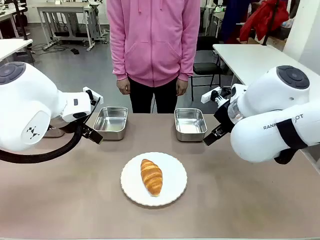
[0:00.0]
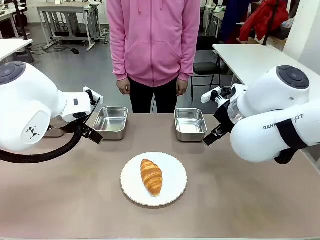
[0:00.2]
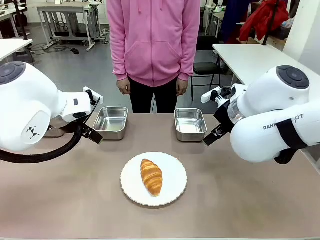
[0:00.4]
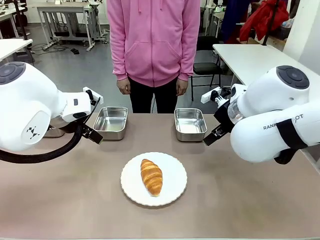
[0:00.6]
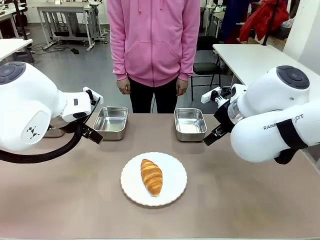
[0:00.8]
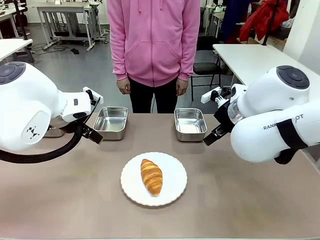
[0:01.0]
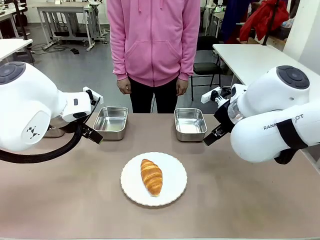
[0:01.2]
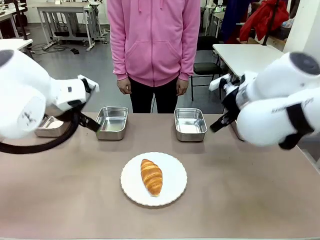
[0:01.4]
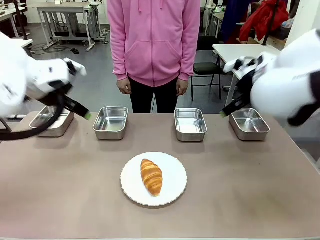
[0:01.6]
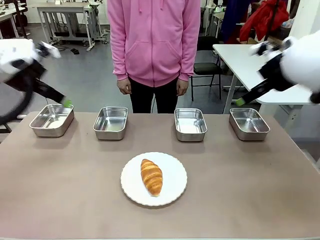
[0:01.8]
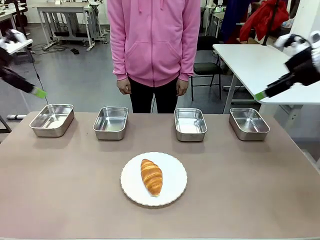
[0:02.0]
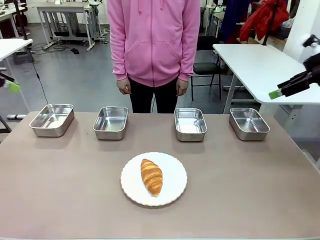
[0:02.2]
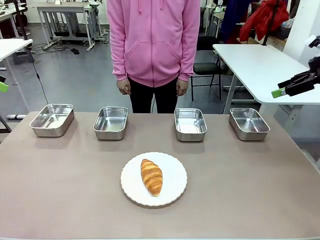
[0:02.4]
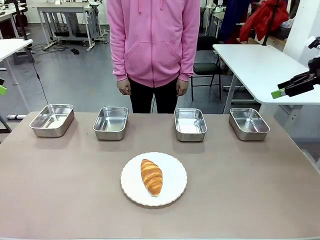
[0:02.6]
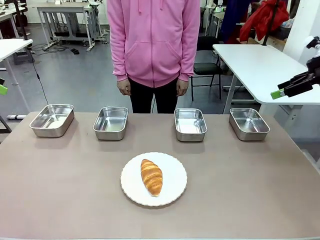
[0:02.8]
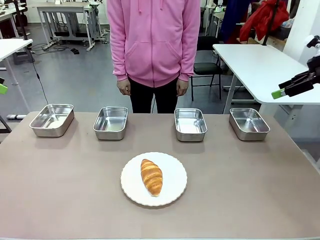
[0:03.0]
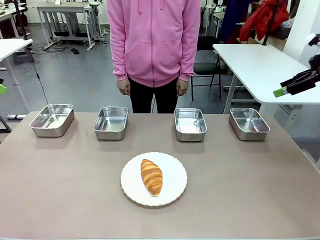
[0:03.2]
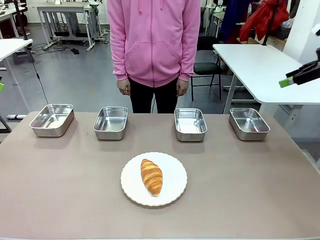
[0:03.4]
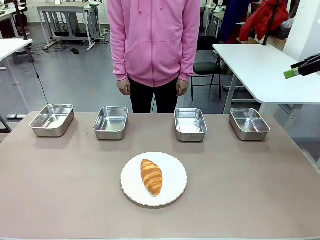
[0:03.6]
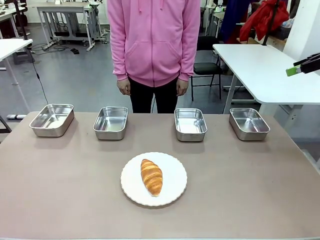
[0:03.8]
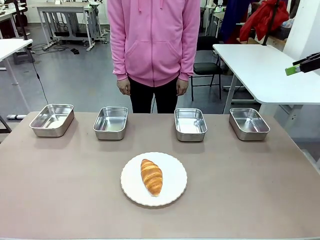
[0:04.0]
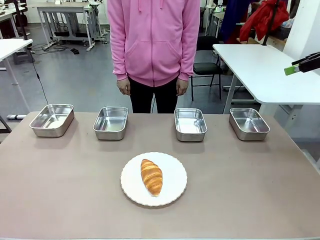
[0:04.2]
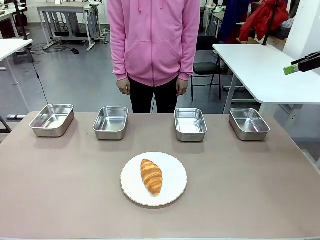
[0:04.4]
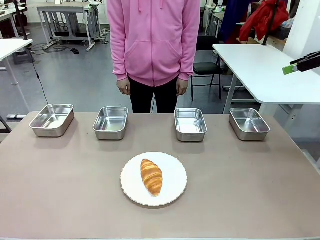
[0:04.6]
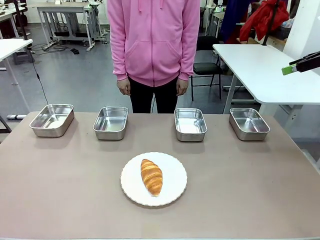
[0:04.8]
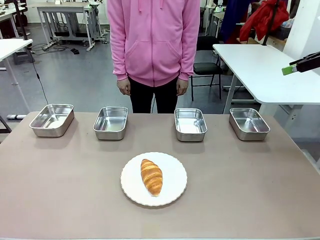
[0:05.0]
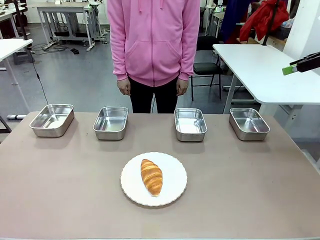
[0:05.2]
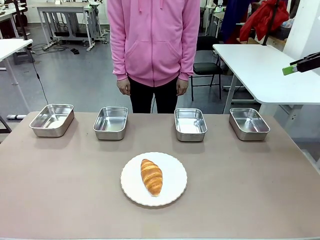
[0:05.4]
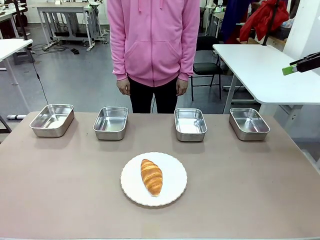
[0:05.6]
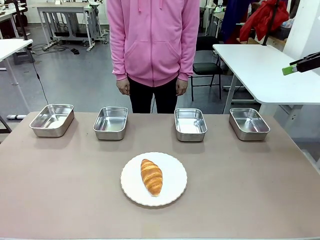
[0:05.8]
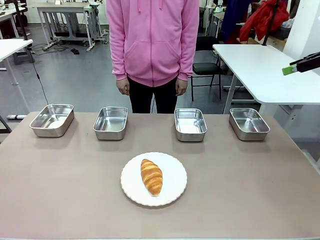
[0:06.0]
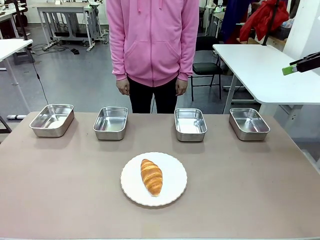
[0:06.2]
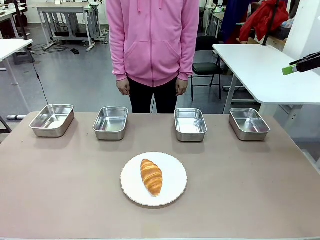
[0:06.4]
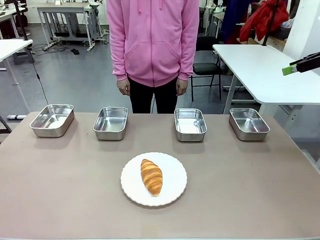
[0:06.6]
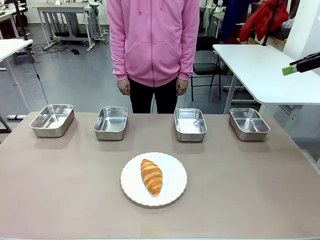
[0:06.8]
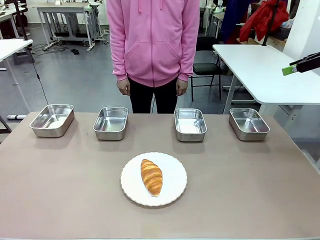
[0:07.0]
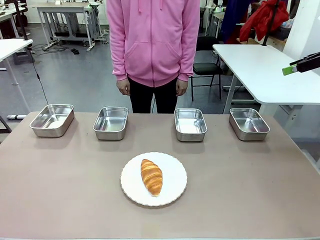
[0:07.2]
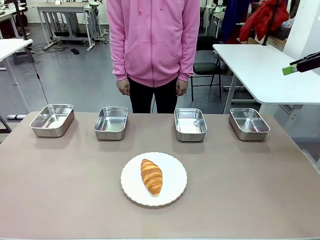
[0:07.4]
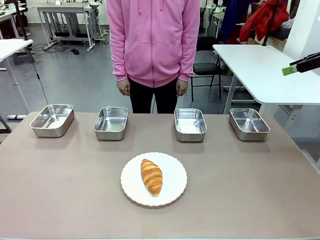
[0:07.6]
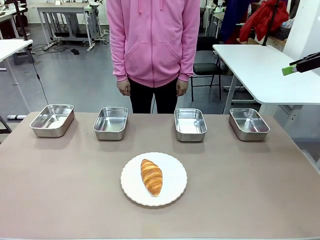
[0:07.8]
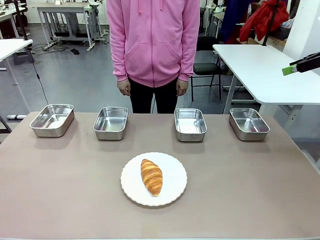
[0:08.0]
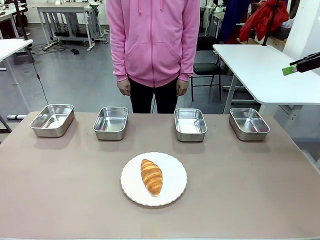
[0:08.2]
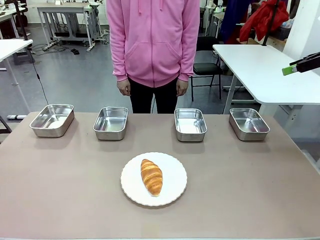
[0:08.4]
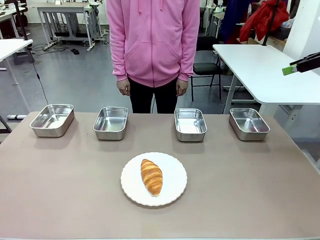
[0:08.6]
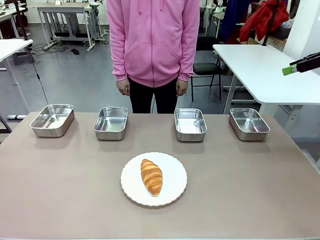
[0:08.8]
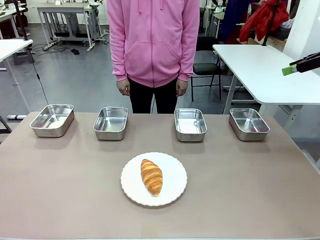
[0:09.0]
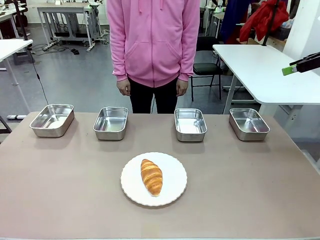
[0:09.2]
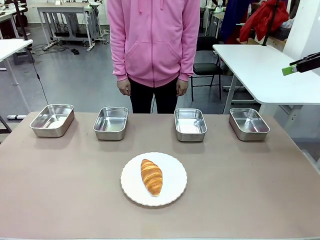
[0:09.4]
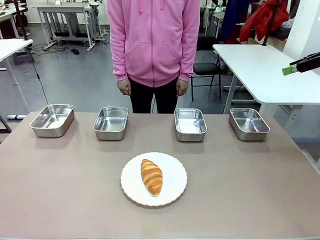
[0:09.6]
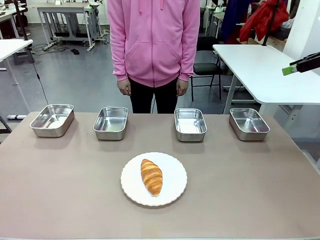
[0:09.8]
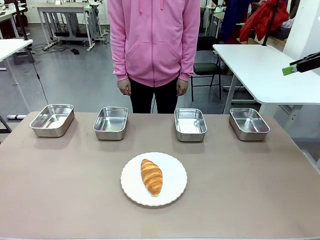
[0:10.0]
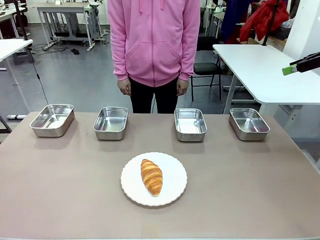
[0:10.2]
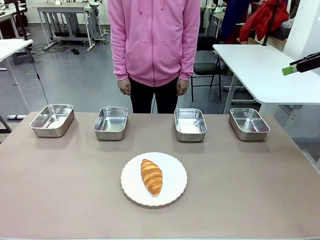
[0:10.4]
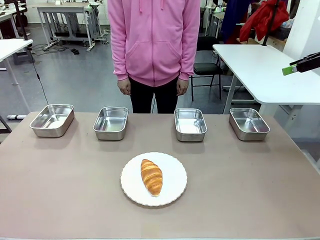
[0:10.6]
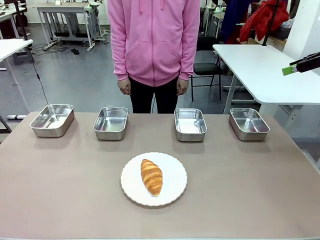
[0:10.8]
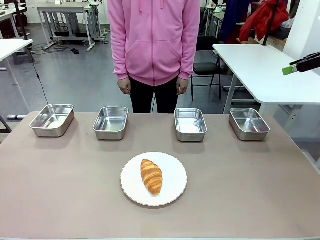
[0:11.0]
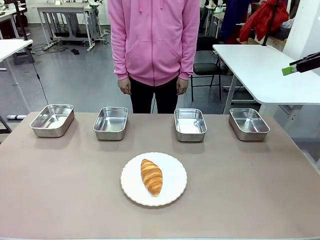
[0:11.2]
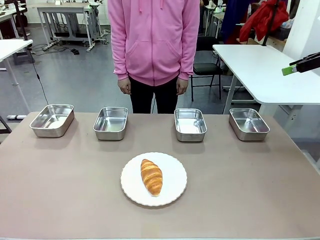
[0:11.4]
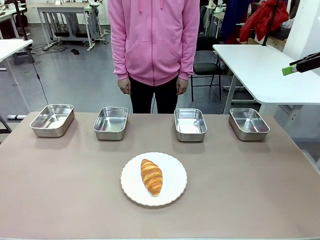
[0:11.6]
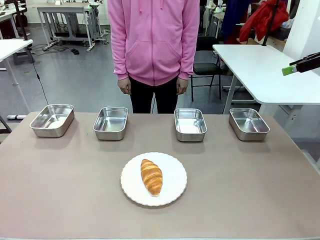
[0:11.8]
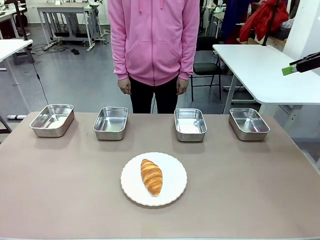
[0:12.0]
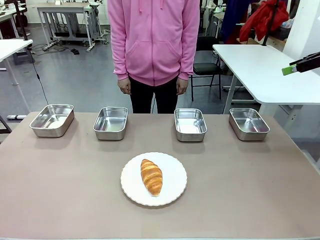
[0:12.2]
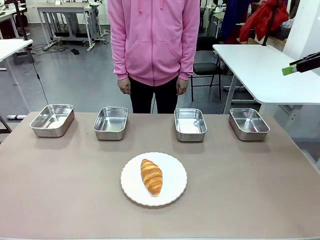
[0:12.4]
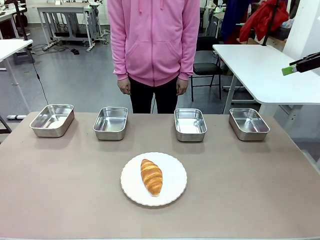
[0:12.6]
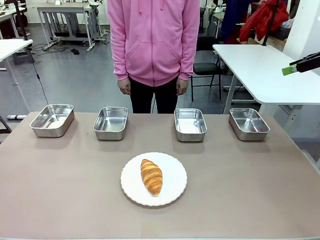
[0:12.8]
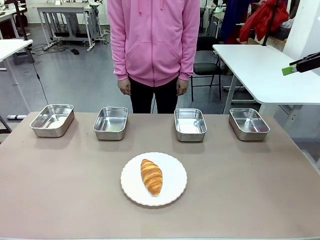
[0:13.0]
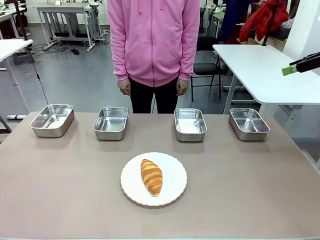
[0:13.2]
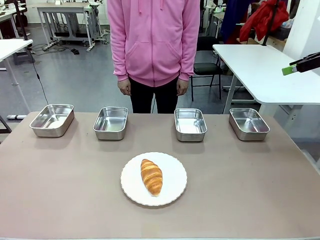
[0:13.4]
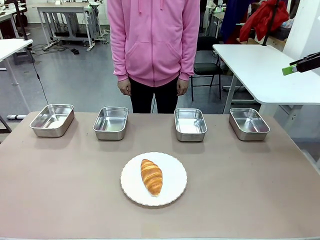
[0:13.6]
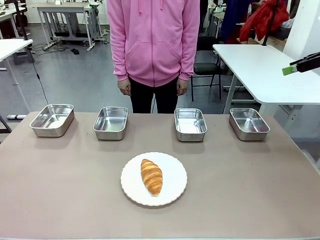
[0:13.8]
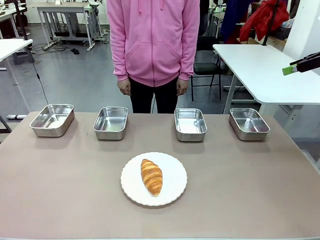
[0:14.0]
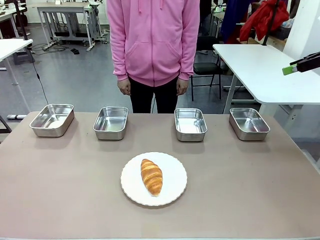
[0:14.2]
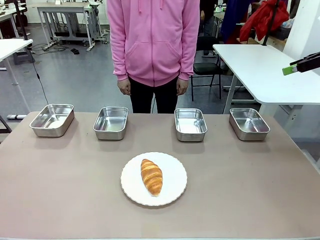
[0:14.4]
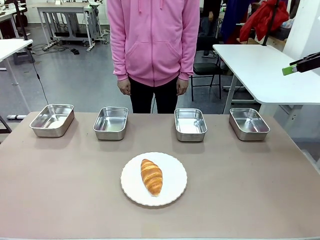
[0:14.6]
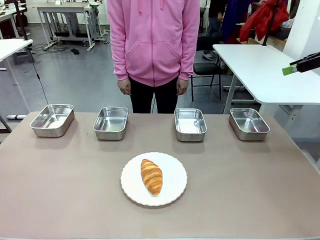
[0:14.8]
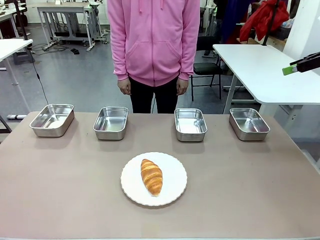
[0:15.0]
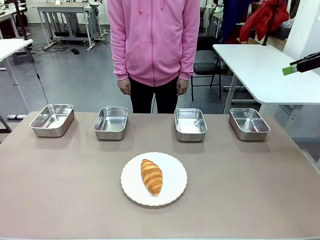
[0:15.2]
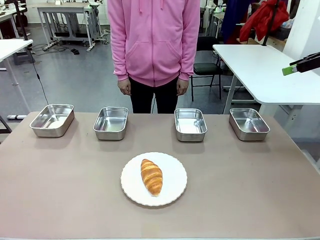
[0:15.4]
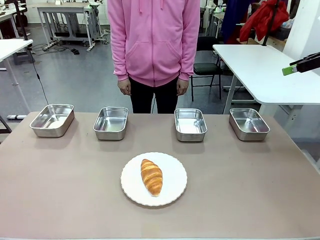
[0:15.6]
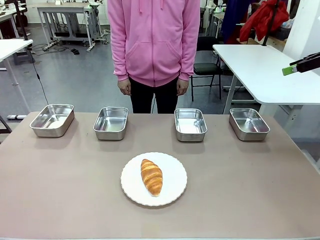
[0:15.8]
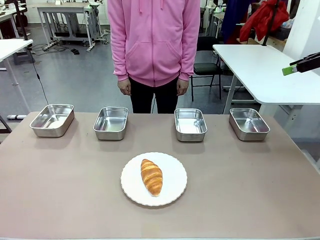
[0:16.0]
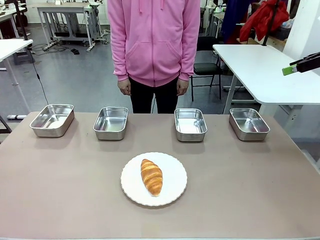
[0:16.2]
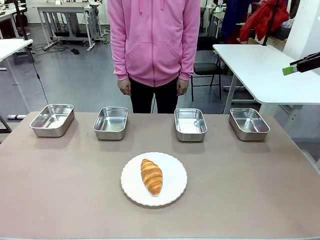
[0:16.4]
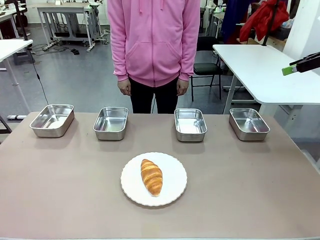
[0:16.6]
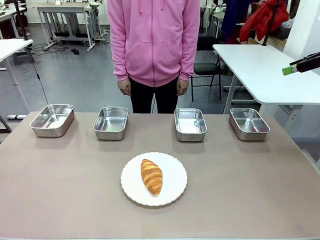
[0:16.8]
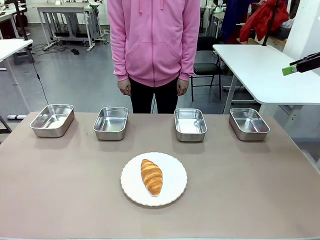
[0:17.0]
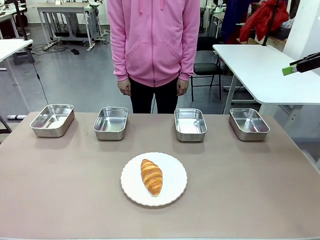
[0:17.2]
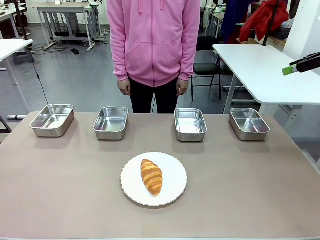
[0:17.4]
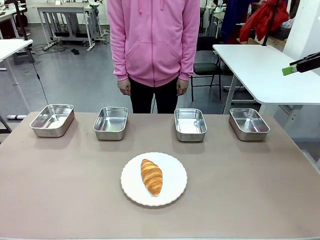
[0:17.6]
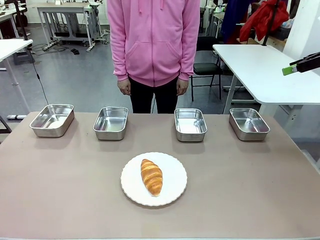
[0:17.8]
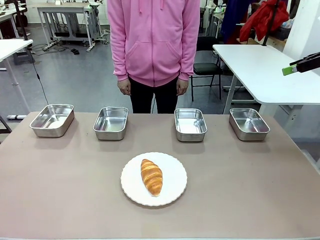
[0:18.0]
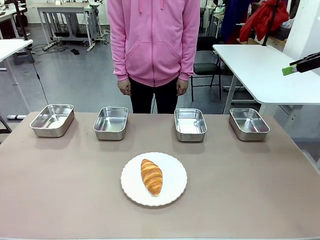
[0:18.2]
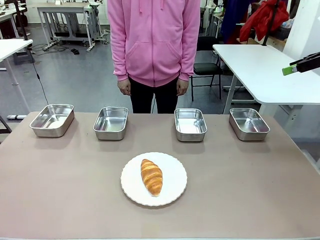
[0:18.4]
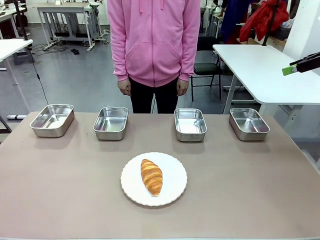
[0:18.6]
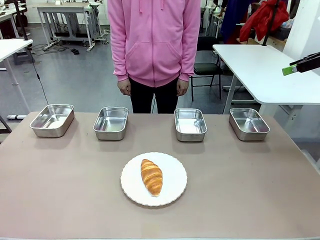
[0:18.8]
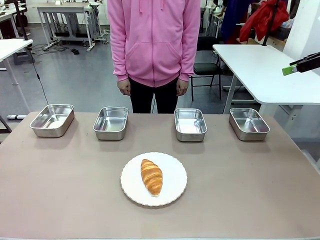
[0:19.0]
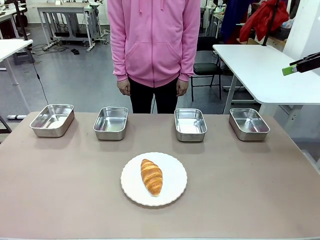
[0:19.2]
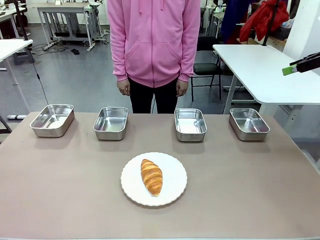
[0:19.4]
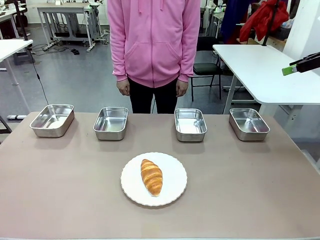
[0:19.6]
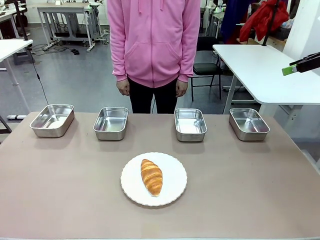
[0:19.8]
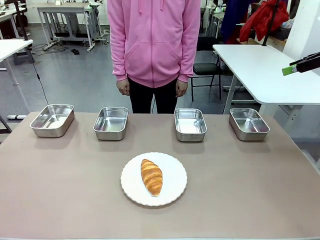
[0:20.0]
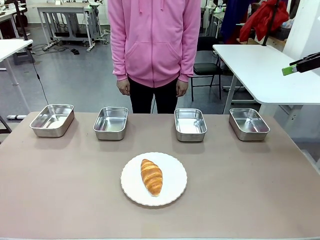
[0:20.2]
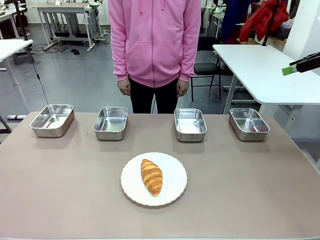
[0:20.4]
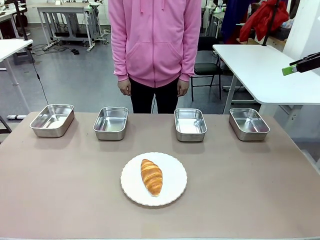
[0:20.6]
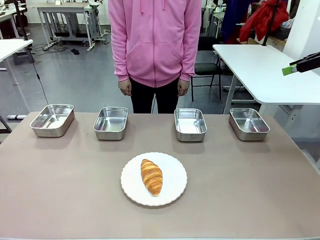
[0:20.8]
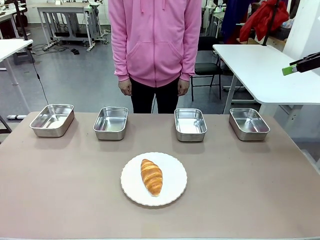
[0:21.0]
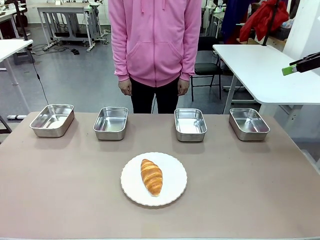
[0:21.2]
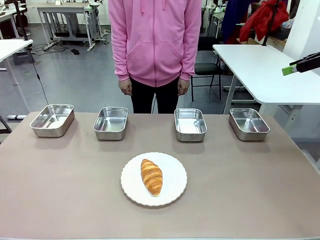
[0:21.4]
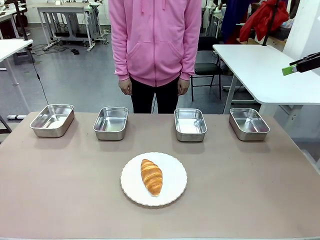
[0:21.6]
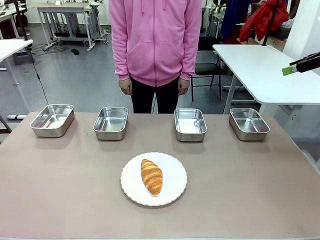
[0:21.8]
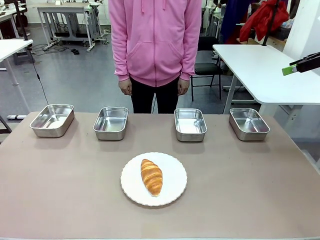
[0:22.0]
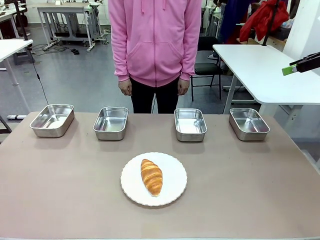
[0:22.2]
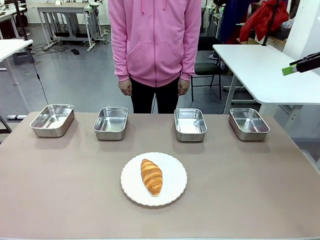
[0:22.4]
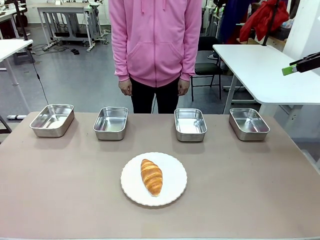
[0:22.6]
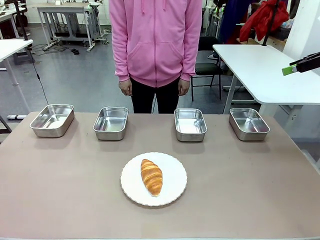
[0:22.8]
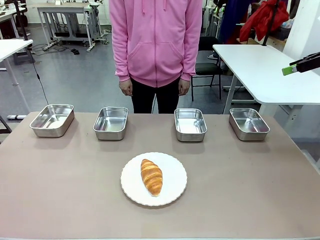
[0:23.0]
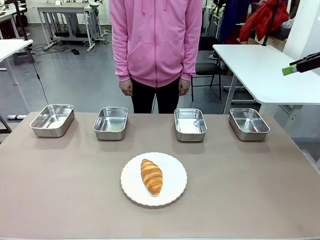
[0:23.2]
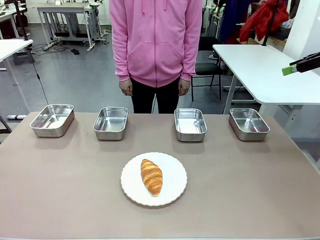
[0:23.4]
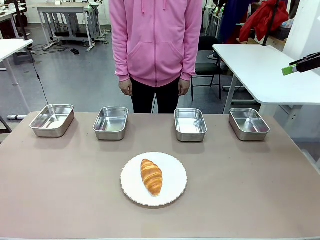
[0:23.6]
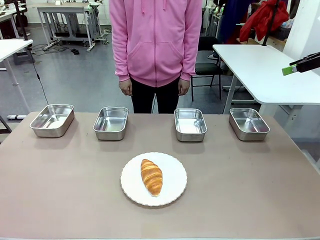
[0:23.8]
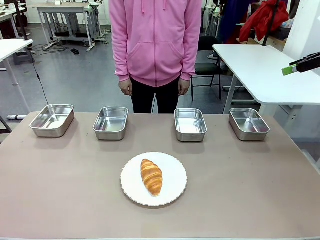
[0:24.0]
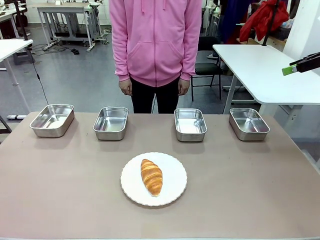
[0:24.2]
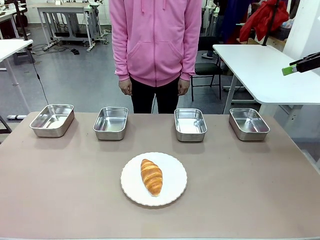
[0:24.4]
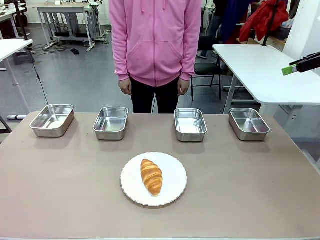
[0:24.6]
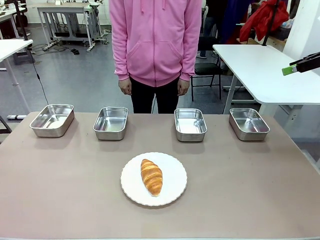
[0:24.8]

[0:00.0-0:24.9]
Task: Place the bread in the container.
Robot: Place the Butter Roll into the Airtight Container indicated by the human.
